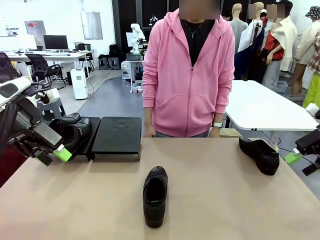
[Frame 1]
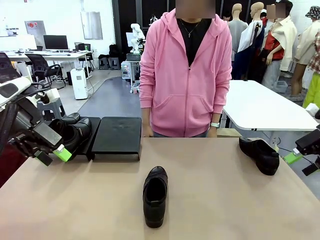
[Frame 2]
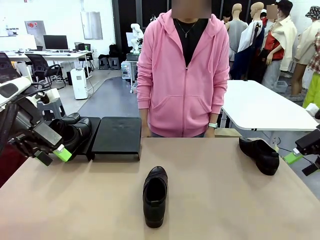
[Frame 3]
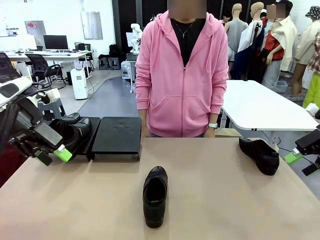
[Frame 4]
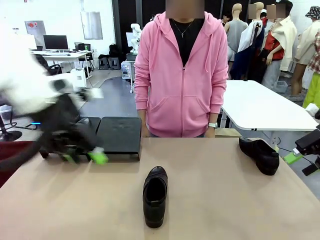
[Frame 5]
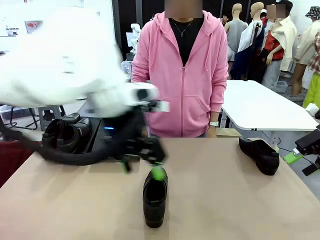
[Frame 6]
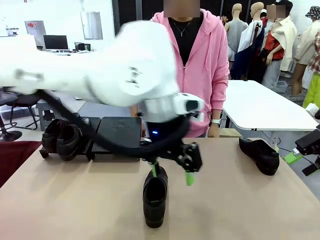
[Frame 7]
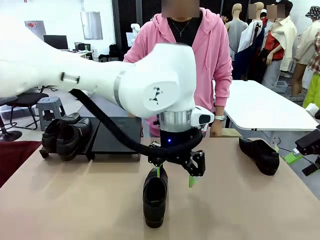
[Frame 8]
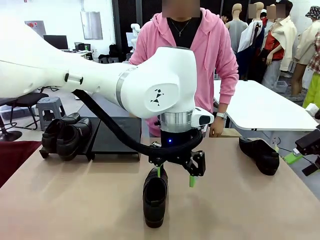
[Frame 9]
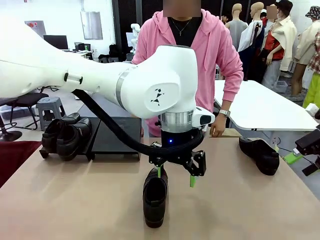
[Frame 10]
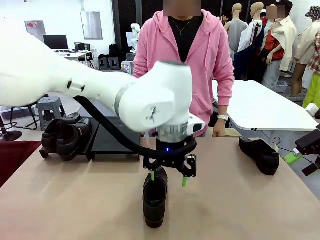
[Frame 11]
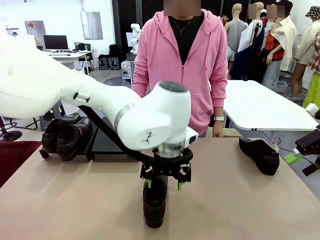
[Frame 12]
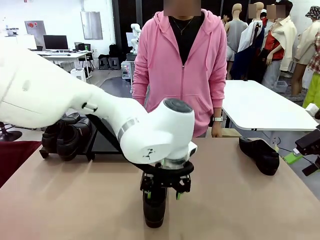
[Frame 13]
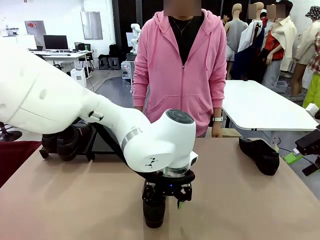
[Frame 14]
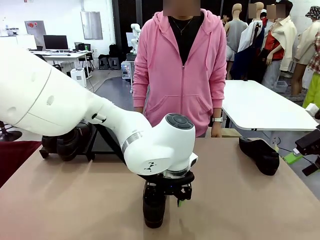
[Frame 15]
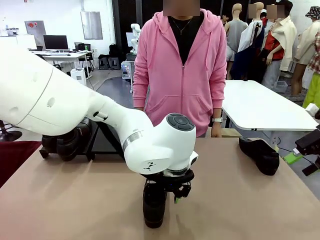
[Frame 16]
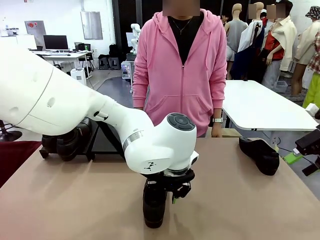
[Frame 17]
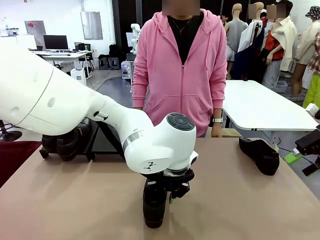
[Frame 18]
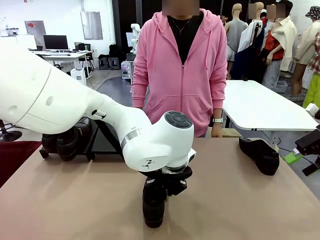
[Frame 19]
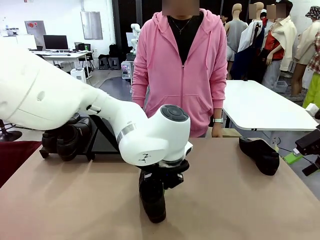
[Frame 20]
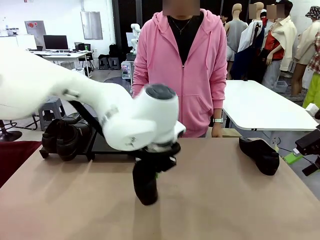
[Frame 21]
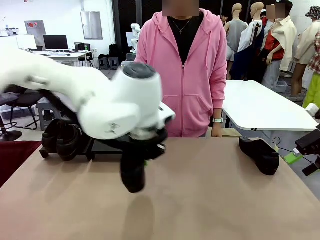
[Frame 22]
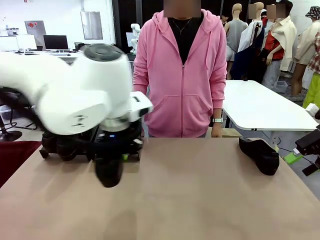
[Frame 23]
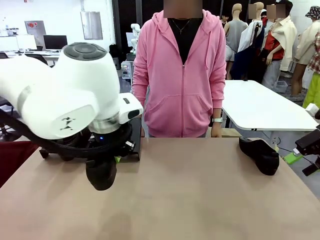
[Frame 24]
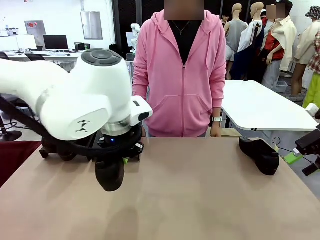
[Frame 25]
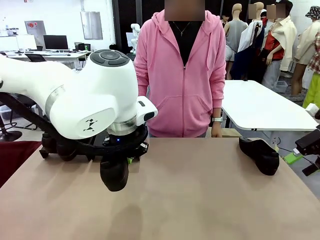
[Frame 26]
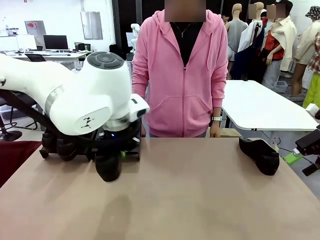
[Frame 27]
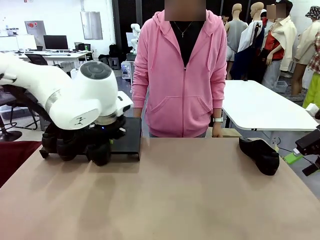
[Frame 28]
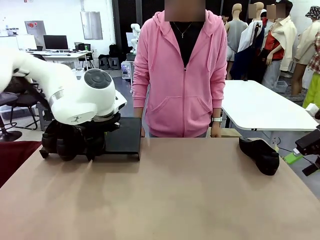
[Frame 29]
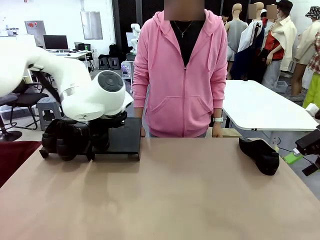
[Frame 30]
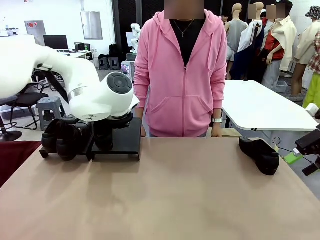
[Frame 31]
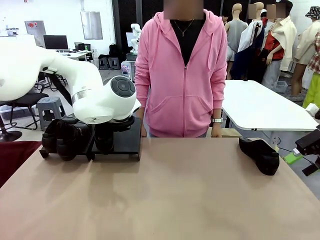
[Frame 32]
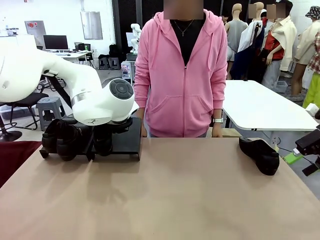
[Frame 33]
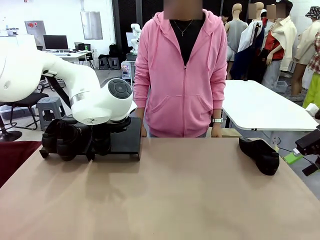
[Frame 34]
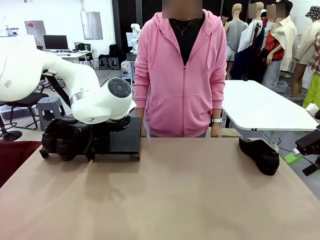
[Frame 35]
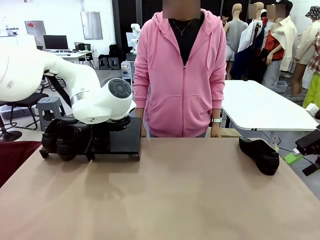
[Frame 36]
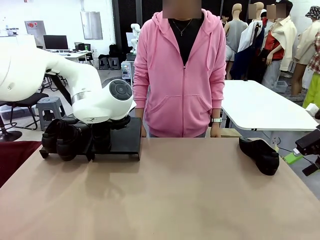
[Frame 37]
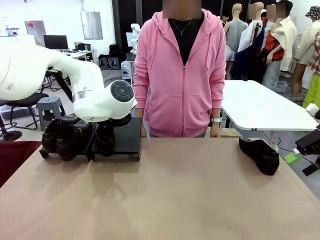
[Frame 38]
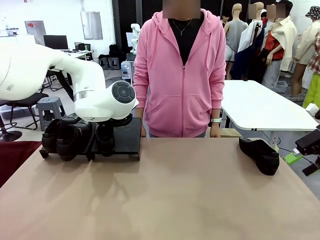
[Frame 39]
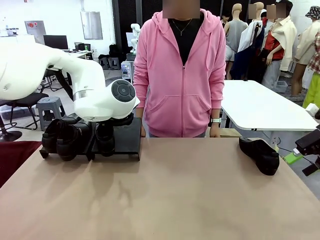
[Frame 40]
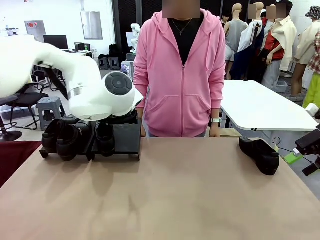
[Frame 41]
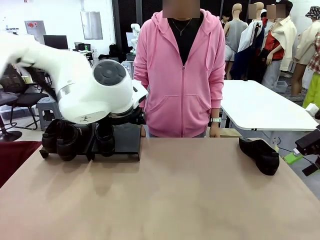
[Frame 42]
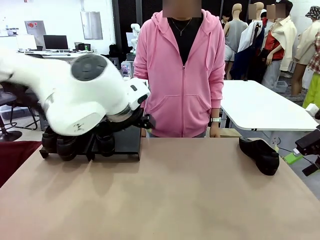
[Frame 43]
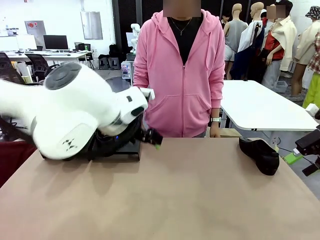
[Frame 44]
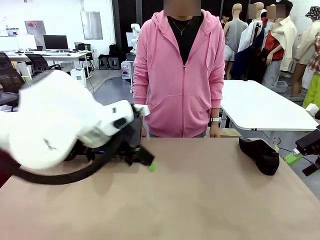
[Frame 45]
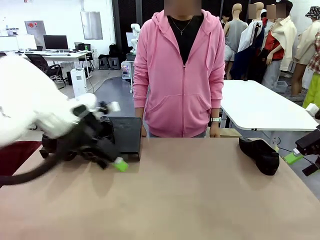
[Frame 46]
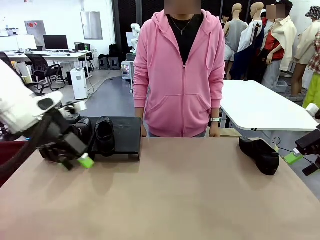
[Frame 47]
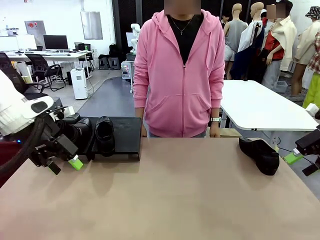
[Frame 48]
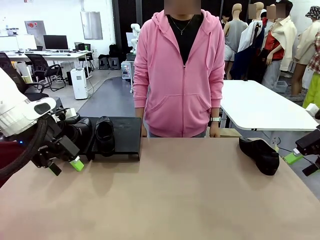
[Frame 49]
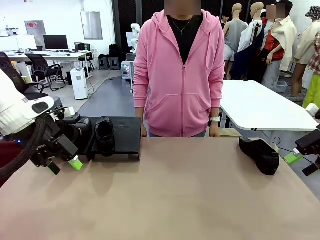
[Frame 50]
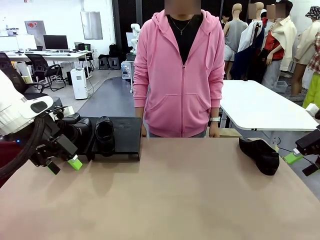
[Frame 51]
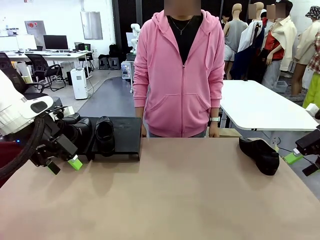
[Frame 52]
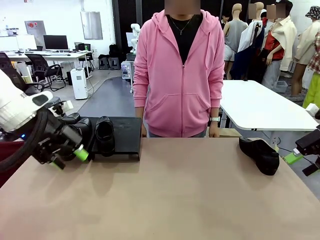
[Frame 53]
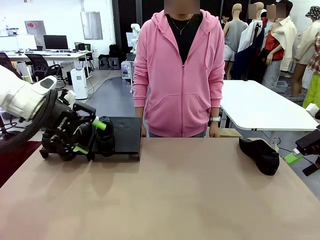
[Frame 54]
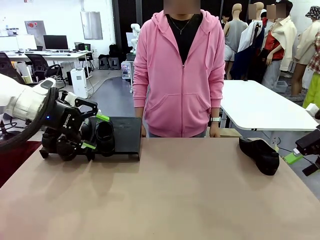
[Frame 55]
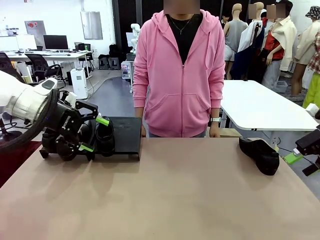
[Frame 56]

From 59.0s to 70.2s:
Task: Organize the shoes by placing them on the stand.
Robot: Place the Shoe from the middle of the table onto the Shoes Stand.

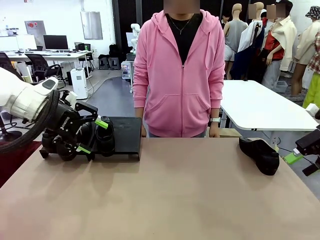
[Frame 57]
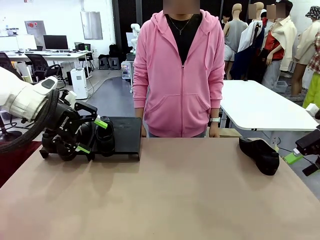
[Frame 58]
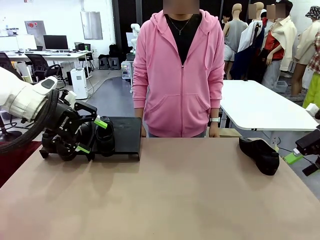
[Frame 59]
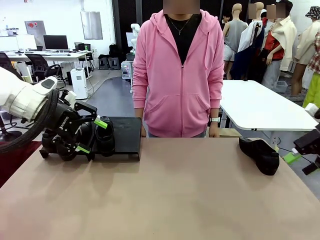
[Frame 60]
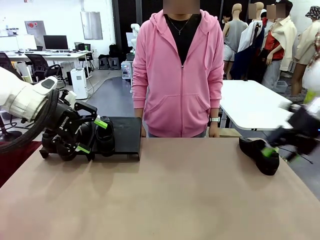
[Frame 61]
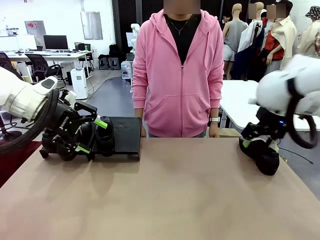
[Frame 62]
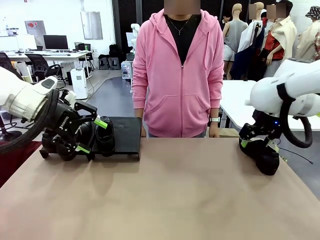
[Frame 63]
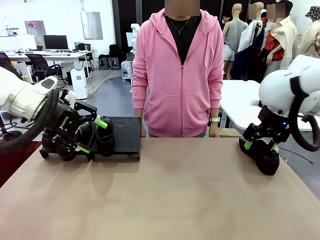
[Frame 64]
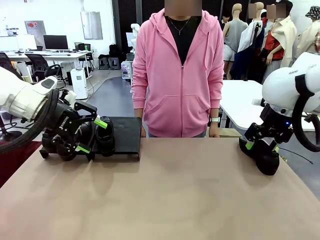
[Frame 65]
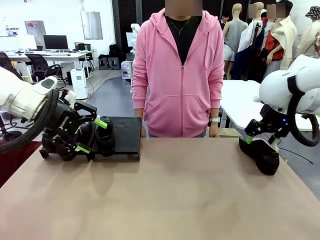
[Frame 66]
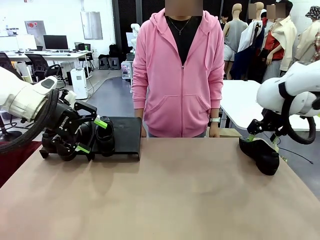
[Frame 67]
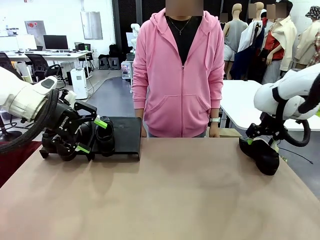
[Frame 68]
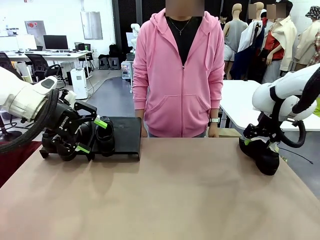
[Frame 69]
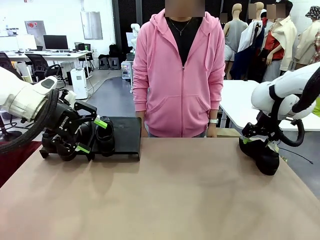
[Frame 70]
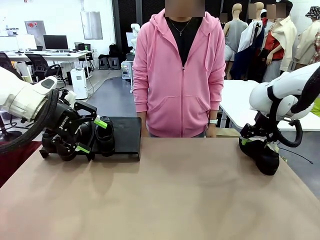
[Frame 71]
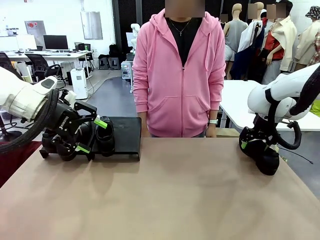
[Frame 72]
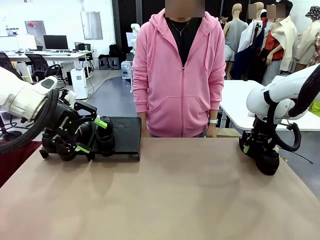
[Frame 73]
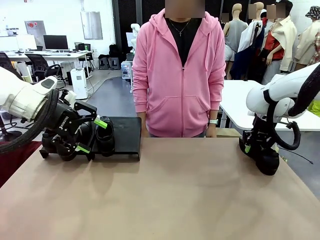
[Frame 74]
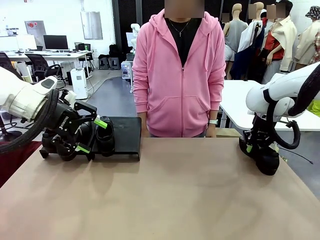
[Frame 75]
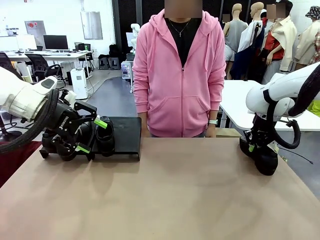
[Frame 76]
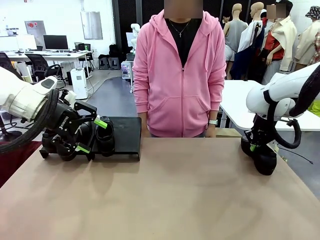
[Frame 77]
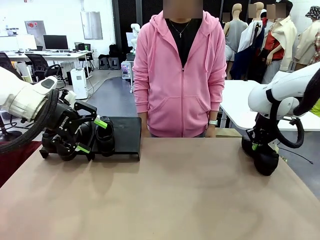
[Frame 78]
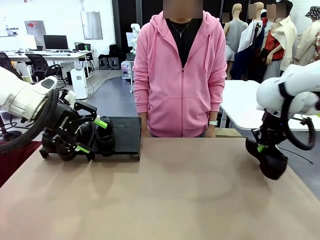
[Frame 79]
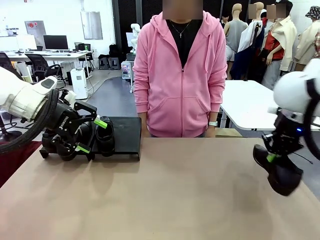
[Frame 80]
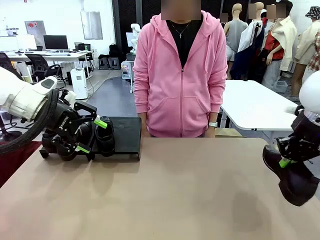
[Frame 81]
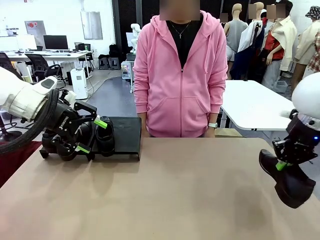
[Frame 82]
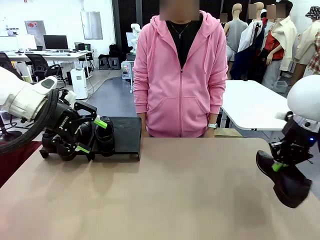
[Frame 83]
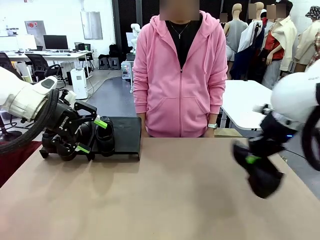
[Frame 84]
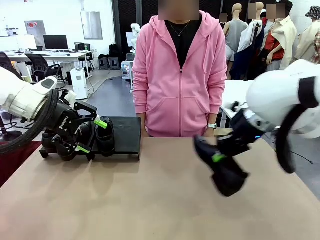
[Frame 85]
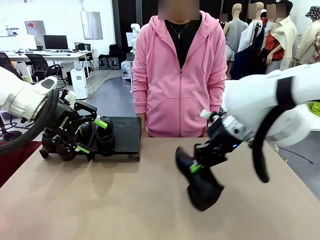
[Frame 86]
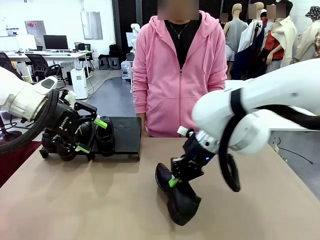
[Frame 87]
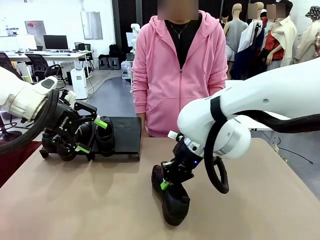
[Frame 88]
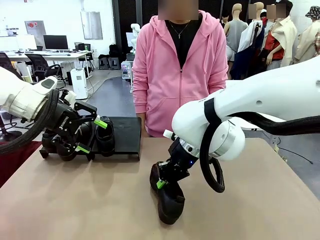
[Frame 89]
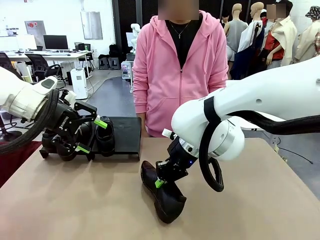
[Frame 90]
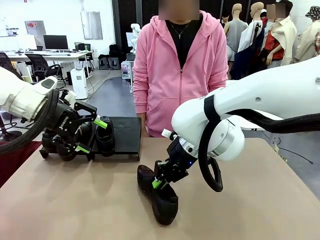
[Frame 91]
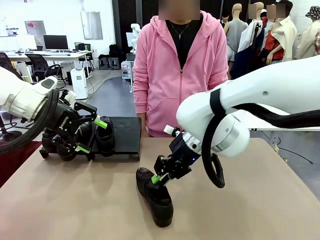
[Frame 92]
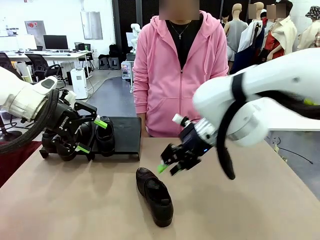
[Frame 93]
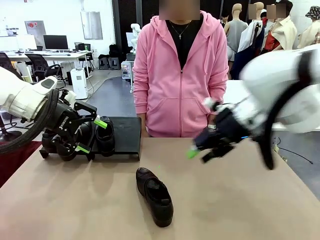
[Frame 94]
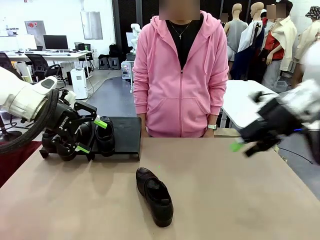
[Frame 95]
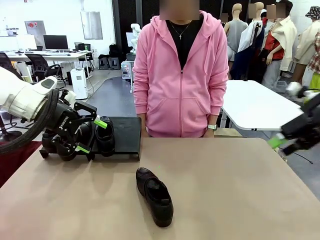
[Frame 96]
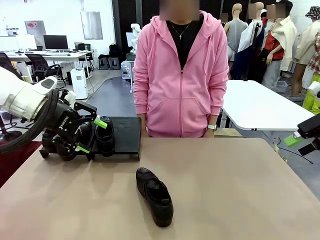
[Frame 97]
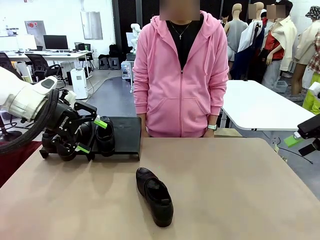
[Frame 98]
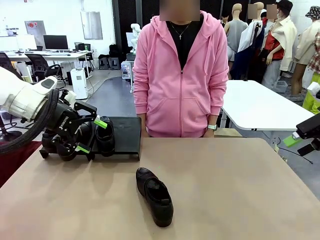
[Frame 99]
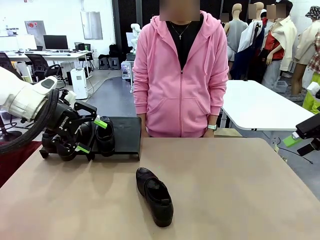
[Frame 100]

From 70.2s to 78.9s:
Robot: Pick up one Shoe and place it in the middle of the table.
